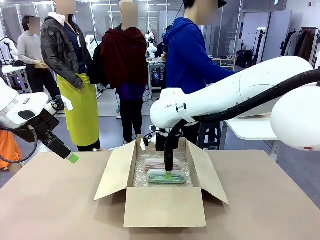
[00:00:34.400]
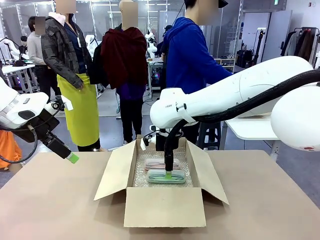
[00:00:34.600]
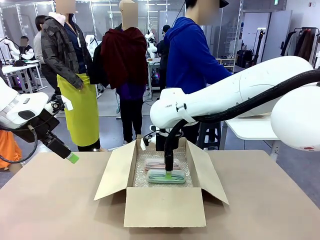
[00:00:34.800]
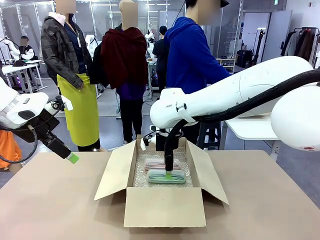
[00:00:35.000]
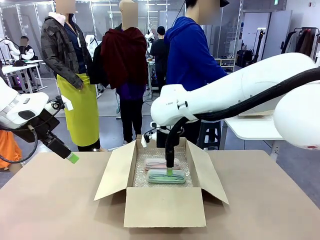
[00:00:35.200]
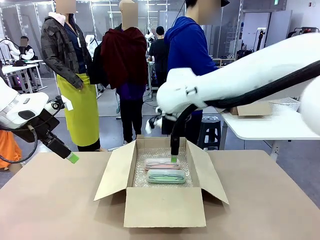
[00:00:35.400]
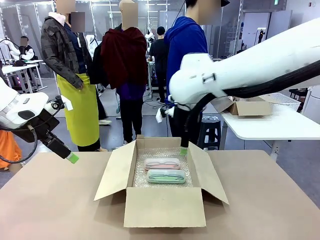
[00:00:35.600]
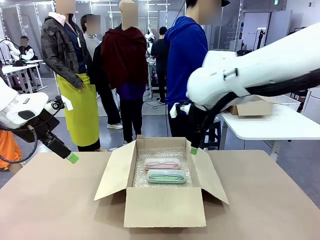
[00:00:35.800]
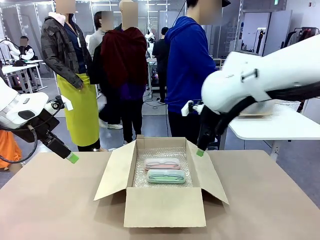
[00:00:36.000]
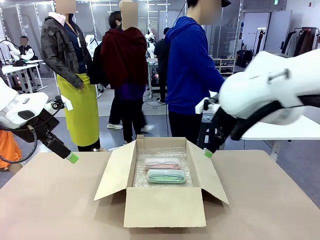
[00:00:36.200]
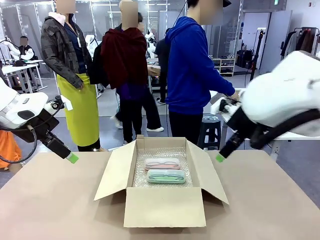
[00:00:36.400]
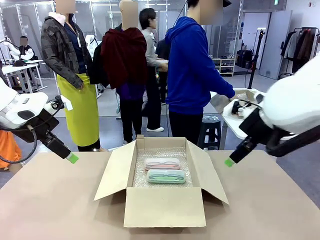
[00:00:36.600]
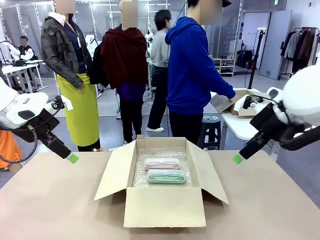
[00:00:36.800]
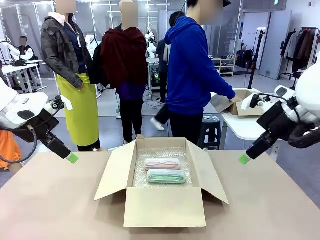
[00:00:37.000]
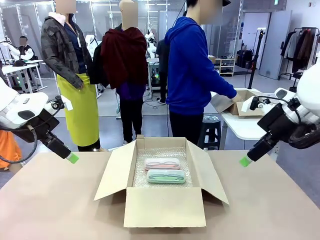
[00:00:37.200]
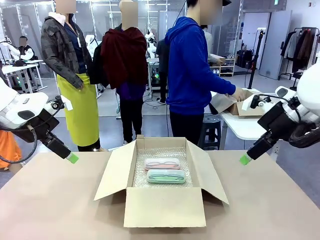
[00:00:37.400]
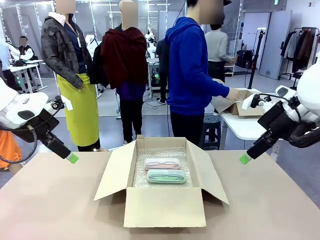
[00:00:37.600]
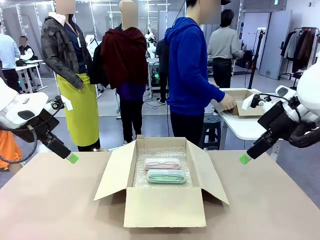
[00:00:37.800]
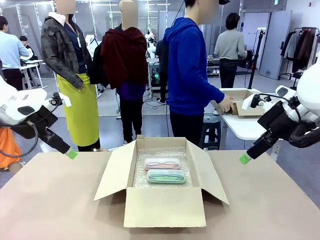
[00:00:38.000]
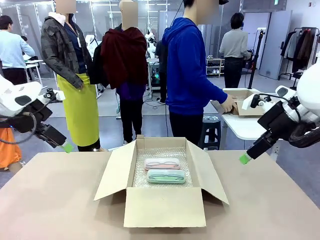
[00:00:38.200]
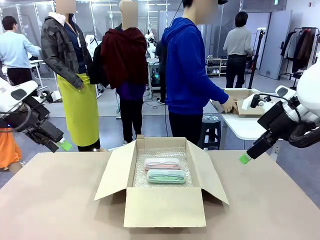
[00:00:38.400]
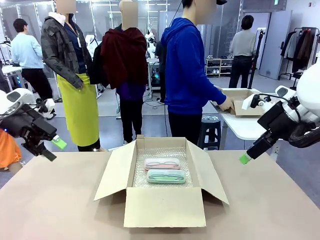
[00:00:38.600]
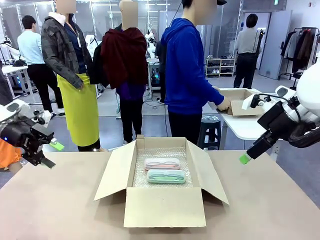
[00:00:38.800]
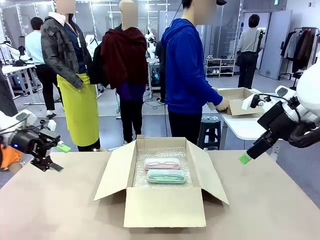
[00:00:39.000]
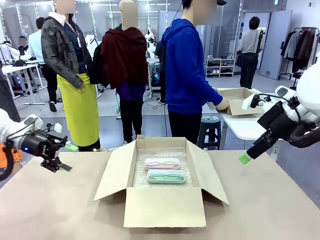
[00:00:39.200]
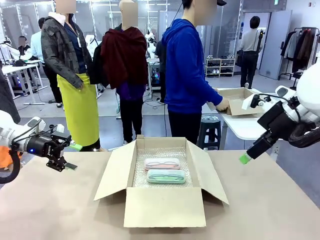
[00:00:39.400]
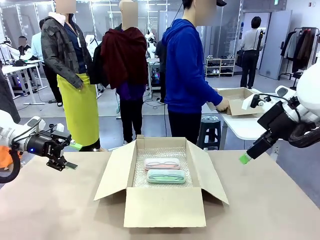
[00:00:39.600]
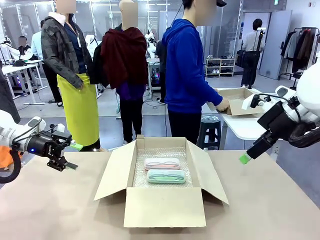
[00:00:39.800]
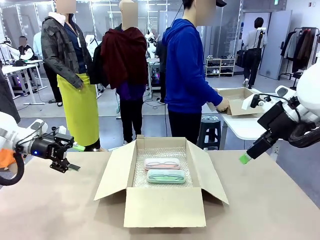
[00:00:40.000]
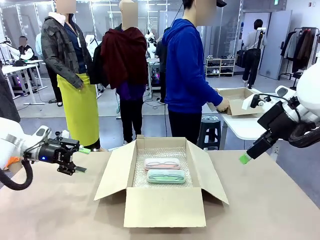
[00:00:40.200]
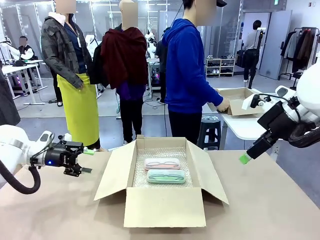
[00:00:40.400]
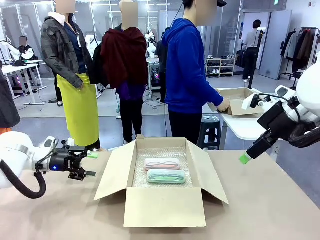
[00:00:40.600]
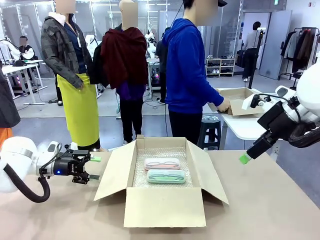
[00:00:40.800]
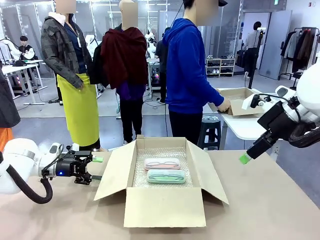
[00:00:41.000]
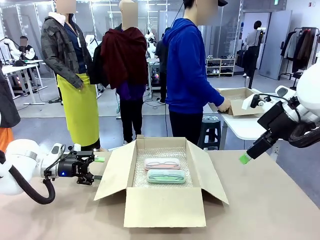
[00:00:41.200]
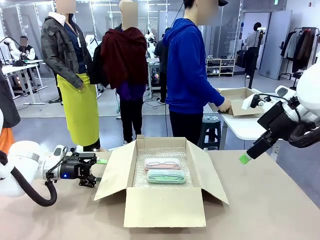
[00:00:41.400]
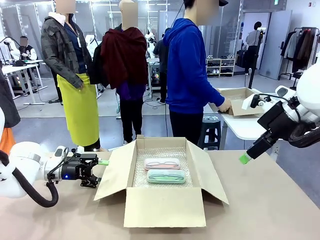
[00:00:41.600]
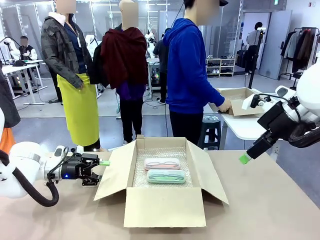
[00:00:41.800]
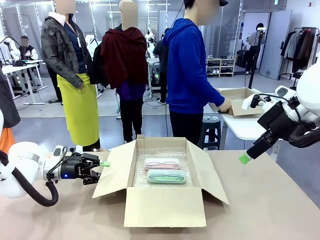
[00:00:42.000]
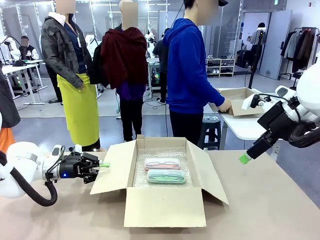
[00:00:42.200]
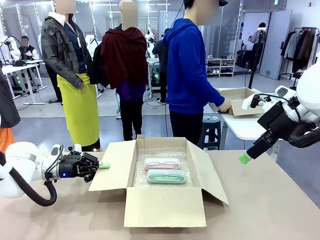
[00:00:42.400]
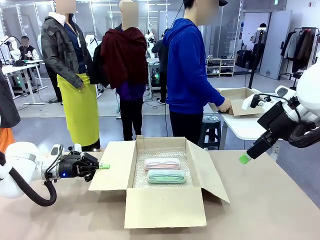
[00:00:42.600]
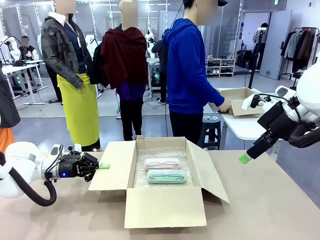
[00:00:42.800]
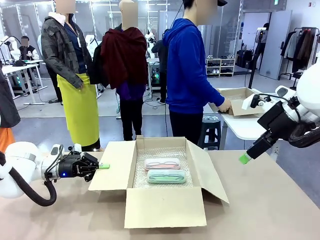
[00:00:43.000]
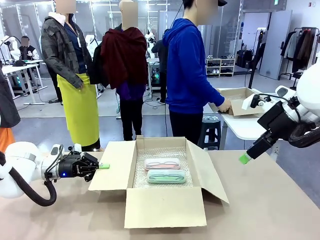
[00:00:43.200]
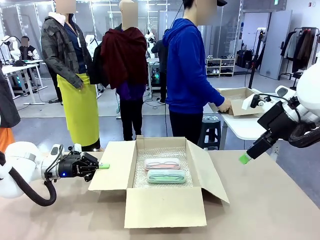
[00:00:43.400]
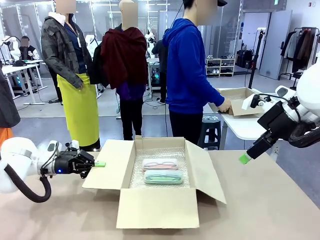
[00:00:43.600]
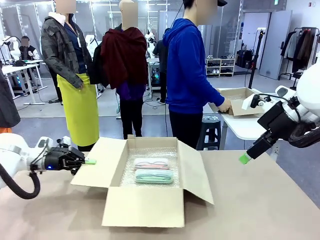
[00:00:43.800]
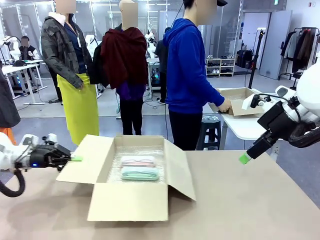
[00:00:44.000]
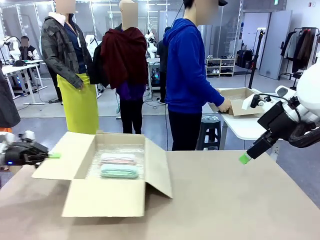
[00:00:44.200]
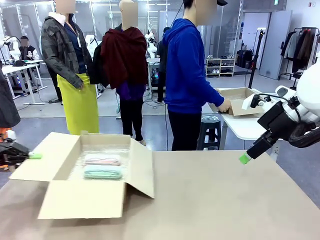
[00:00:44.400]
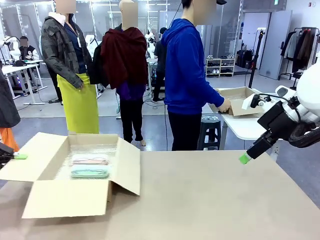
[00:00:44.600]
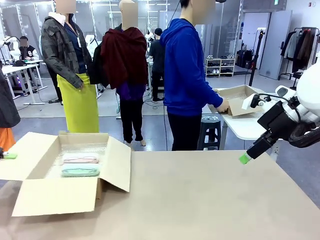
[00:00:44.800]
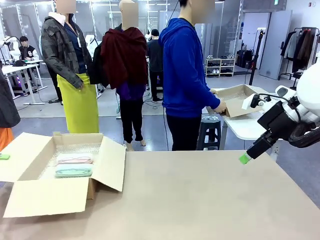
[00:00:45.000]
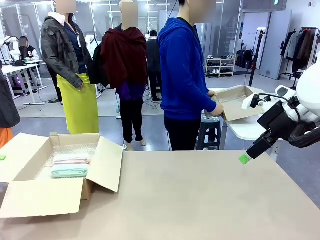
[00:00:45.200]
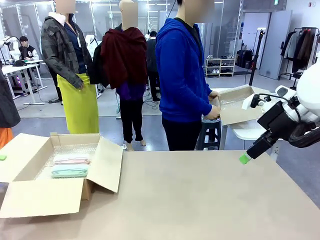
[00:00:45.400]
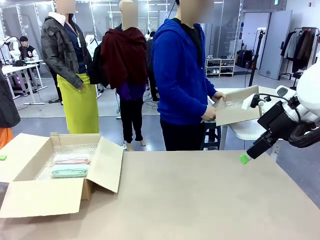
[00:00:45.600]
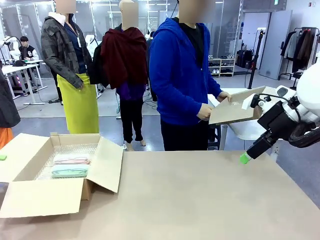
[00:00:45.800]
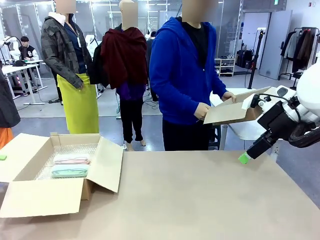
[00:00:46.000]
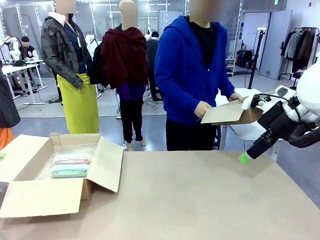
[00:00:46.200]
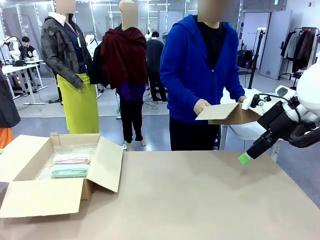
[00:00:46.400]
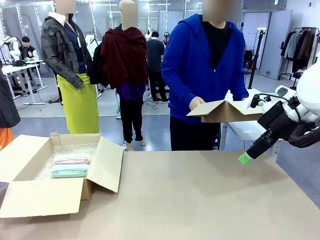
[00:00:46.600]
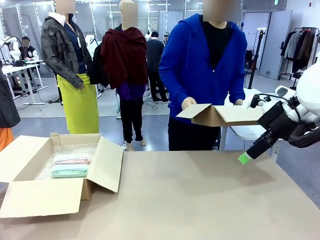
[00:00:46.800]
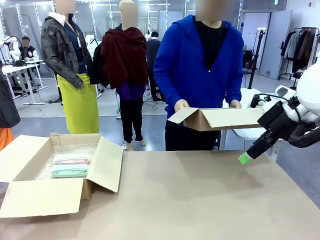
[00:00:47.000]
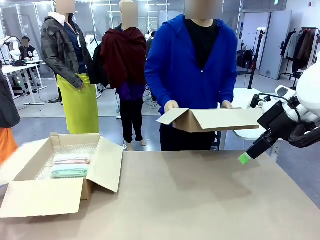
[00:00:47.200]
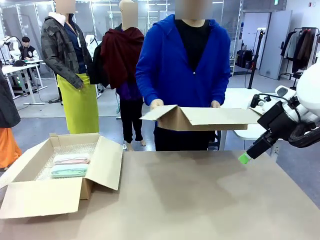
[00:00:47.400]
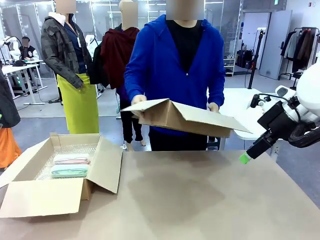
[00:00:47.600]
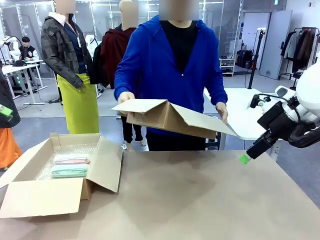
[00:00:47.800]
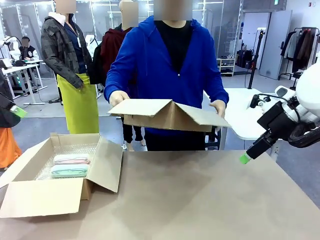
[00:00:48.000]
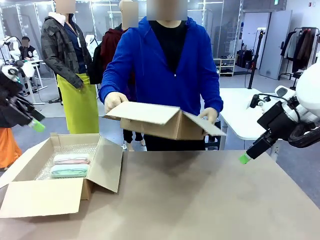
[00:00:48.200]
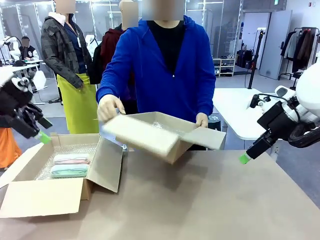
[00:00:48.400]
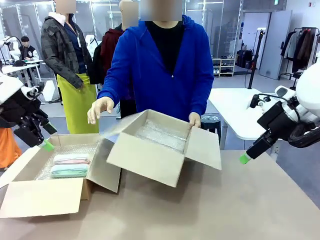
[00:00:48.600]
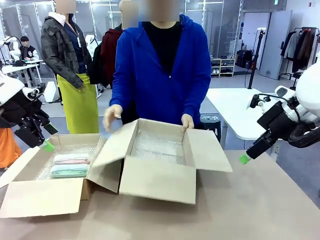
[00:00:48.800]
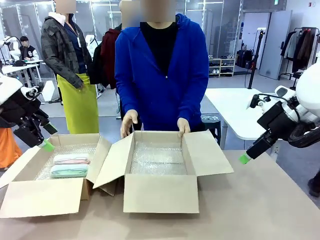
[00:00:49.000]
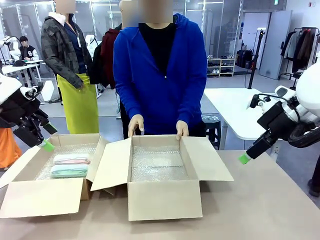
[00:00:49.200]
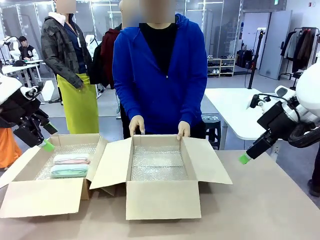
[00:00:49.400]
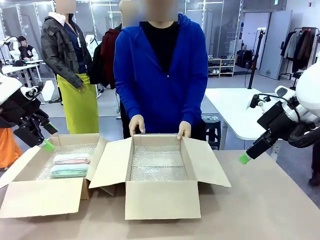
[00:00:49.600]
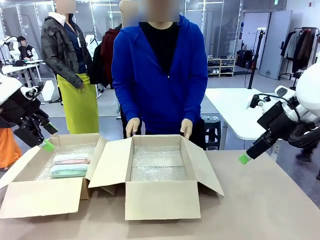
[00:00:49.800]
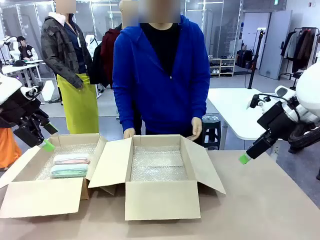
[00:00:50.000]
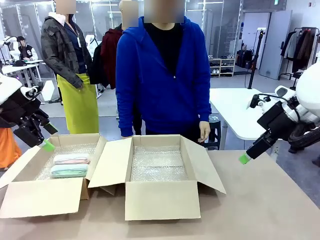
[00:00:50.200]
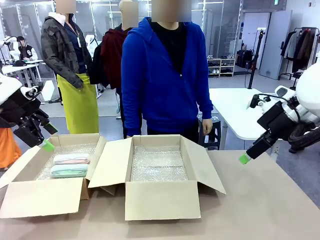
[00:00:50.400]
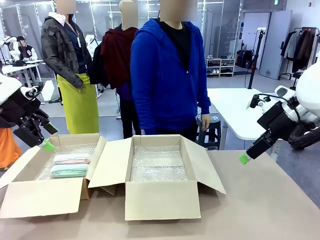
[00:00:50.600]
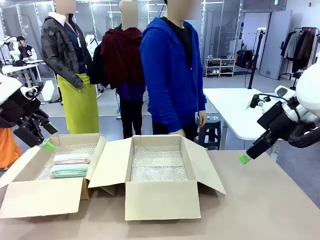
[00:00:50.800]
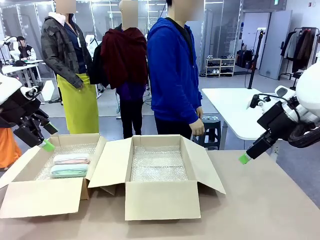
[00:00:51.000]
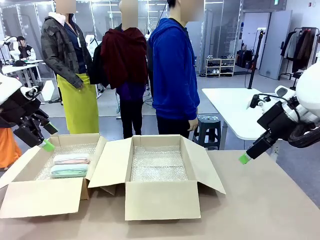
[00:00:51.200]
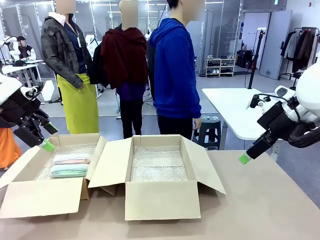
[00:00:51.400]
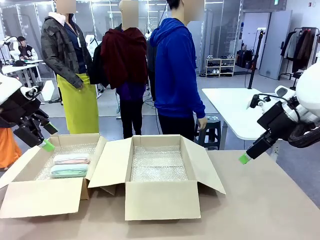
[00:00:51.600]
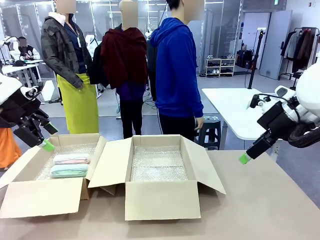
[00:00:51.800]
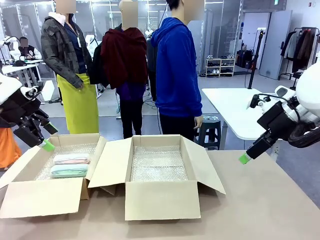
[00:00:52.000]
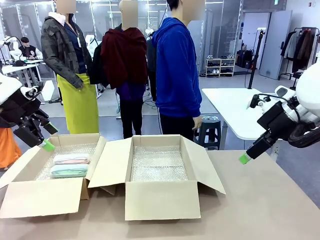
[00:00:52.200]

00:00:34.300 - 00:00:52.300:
Task: Pack the glasses set securely to prepare it for shipping.
Robot: Position the Package Box on the left side of the table.
Person: Position the empty Package Box in the middle of the robot's table.
